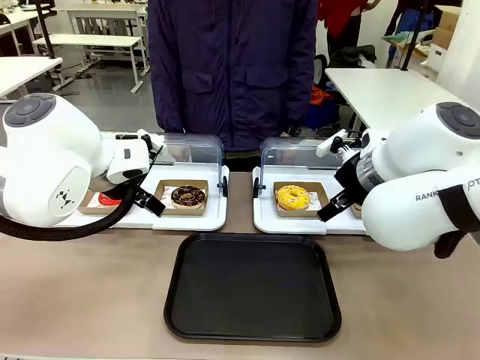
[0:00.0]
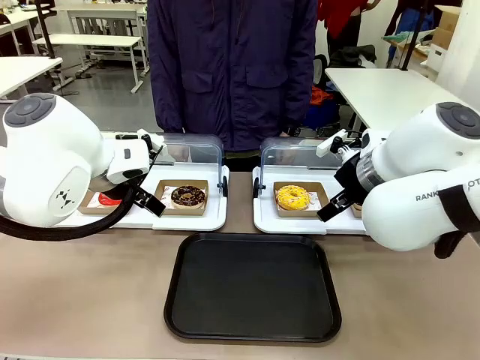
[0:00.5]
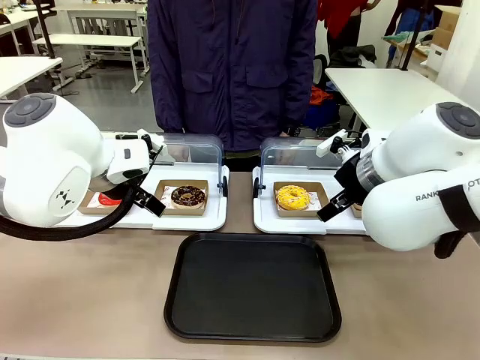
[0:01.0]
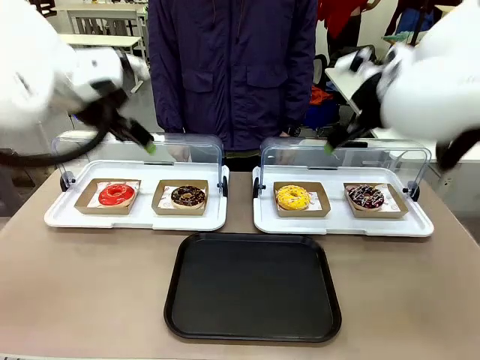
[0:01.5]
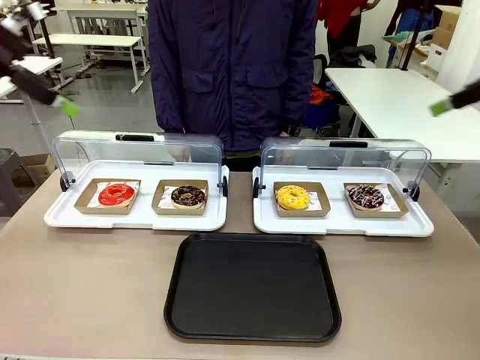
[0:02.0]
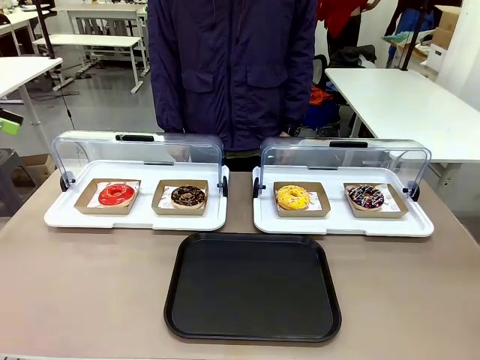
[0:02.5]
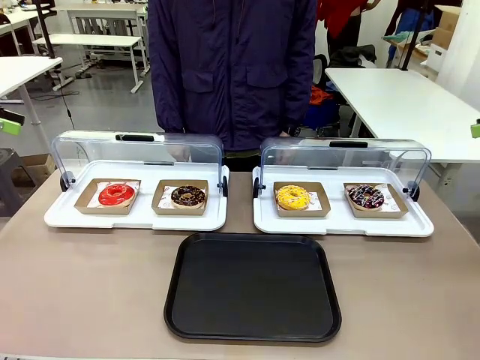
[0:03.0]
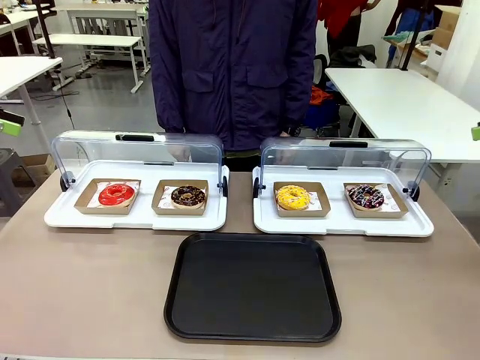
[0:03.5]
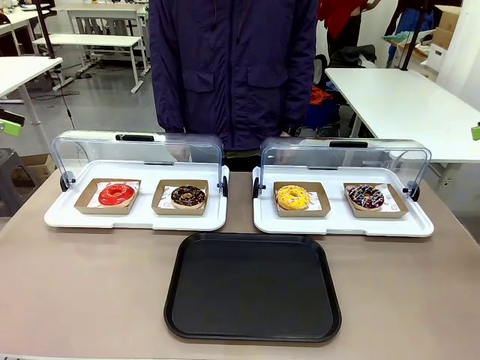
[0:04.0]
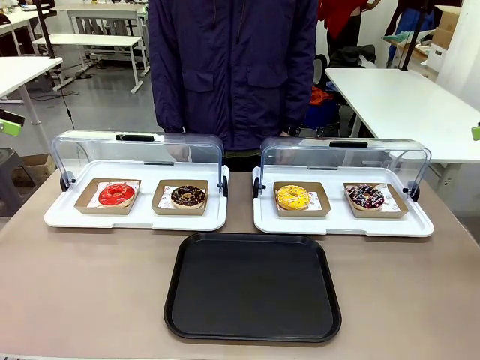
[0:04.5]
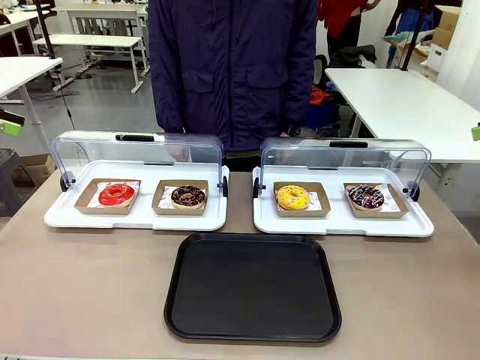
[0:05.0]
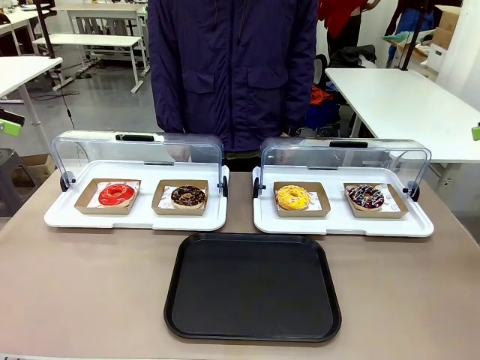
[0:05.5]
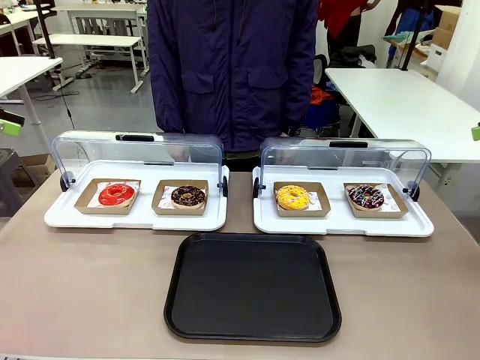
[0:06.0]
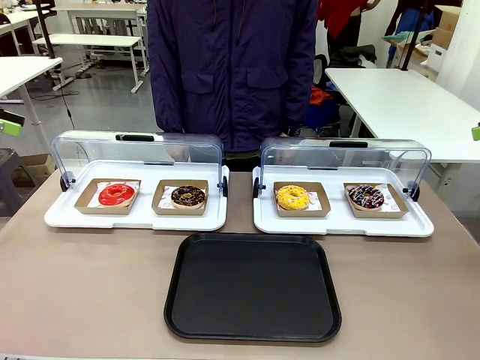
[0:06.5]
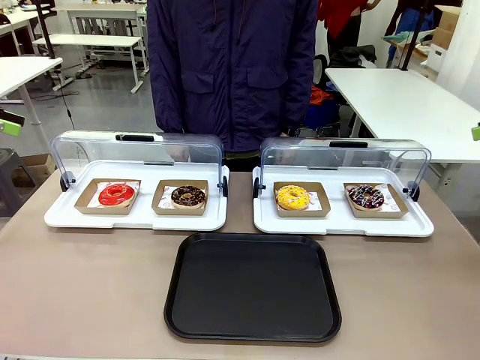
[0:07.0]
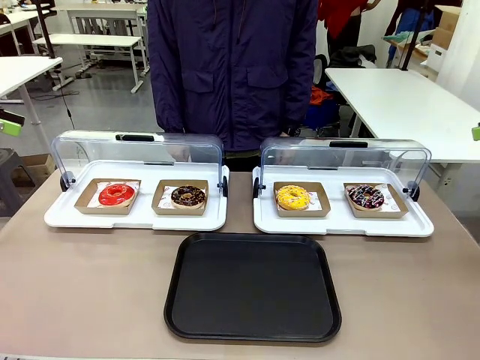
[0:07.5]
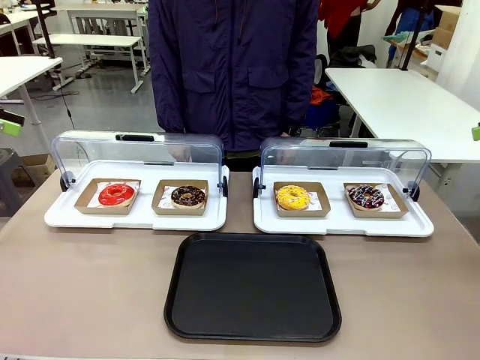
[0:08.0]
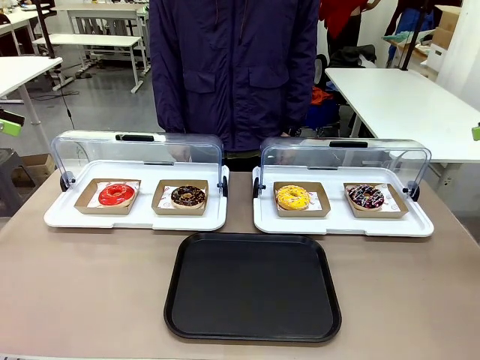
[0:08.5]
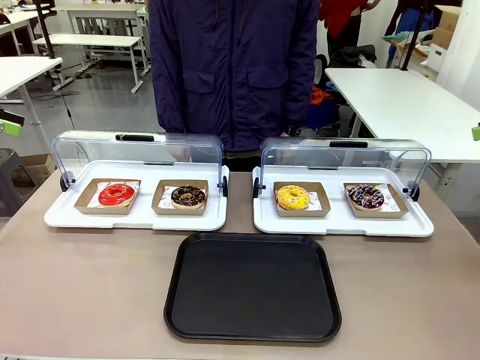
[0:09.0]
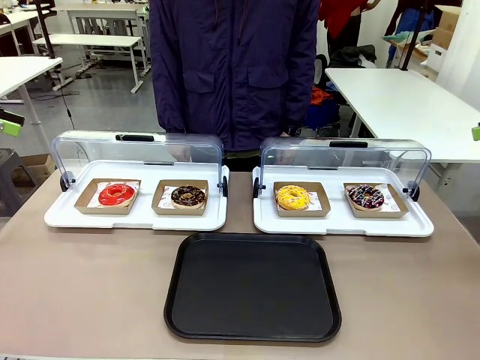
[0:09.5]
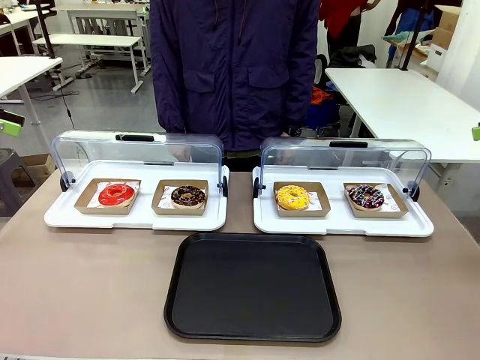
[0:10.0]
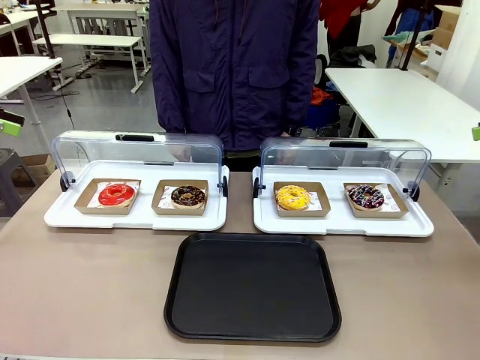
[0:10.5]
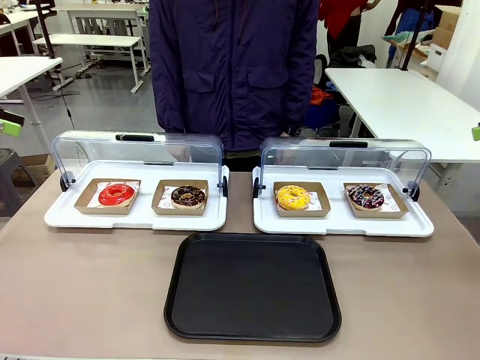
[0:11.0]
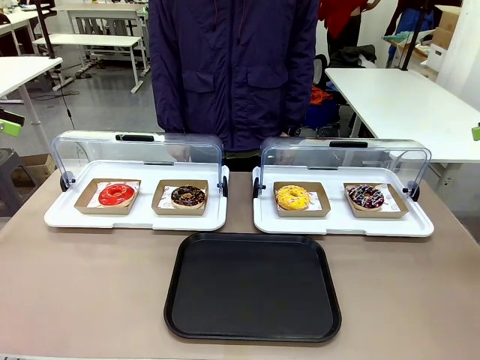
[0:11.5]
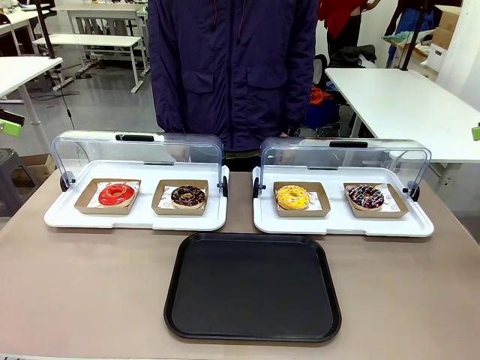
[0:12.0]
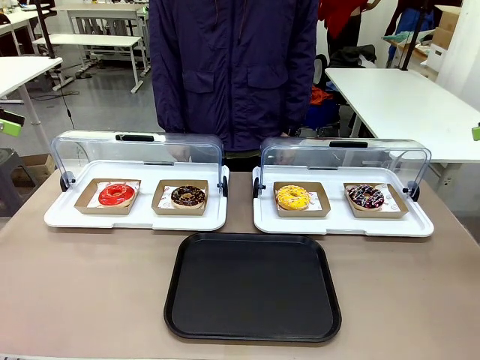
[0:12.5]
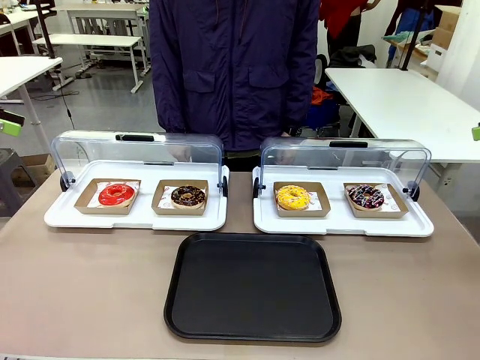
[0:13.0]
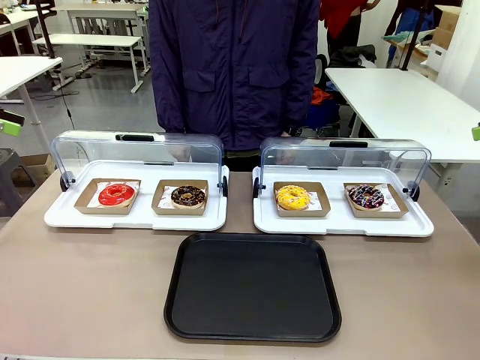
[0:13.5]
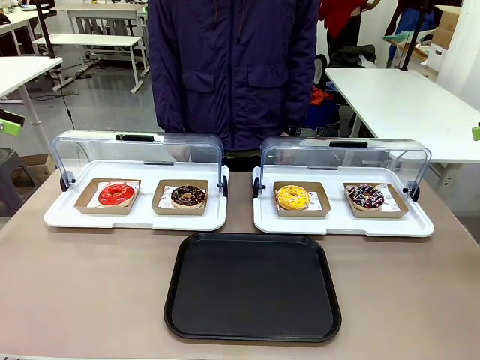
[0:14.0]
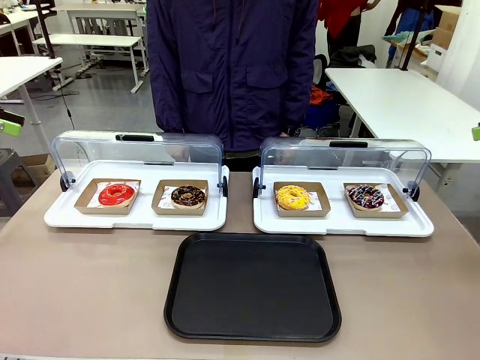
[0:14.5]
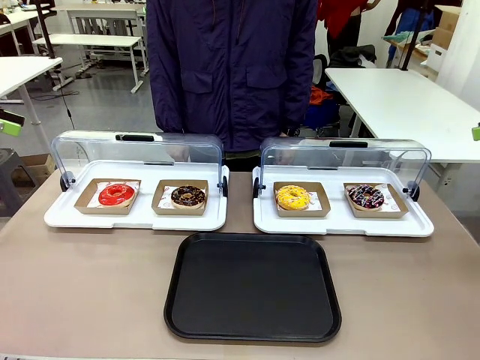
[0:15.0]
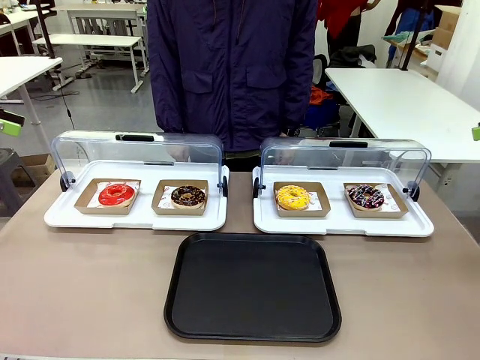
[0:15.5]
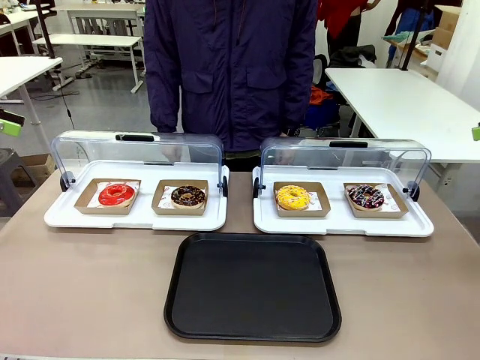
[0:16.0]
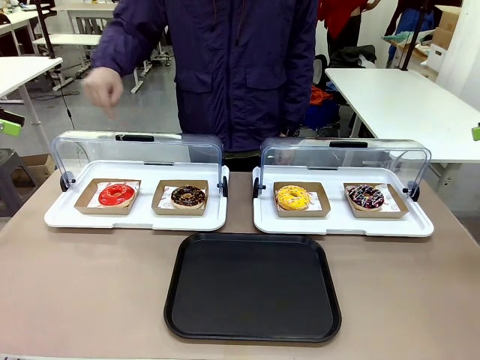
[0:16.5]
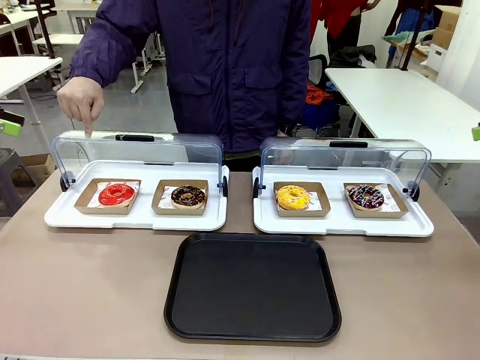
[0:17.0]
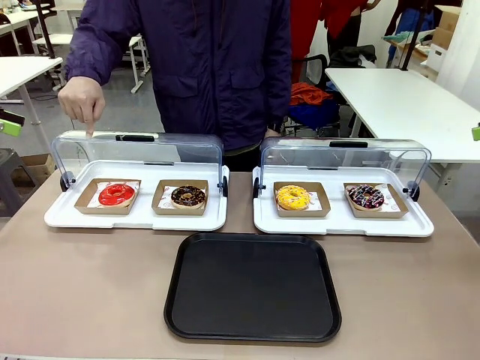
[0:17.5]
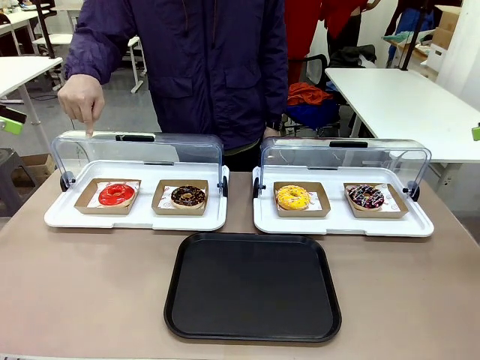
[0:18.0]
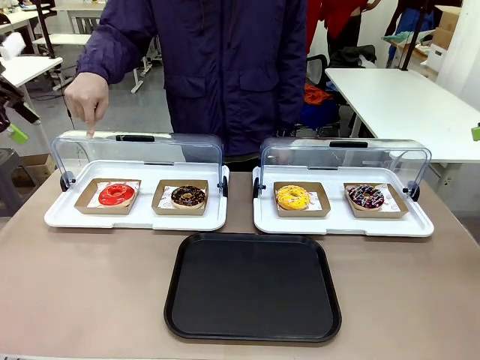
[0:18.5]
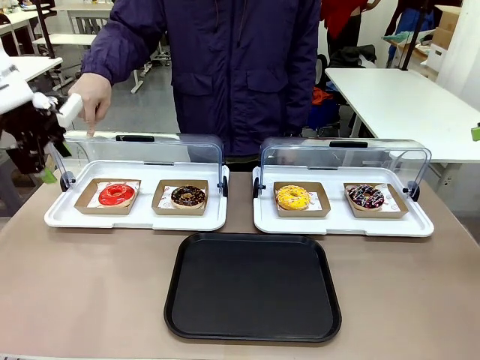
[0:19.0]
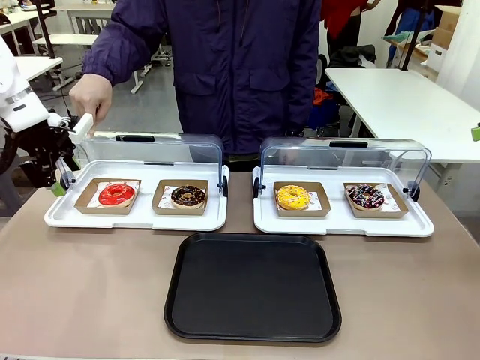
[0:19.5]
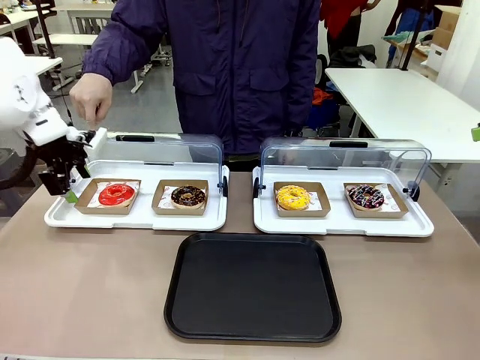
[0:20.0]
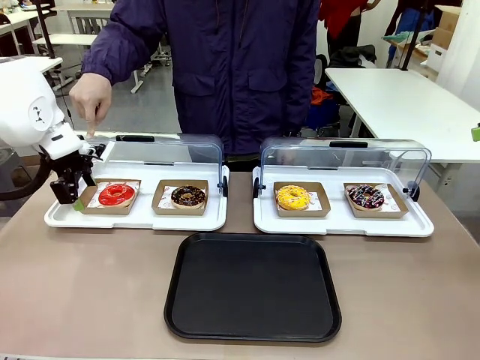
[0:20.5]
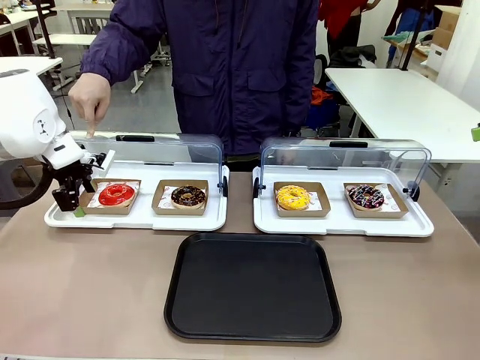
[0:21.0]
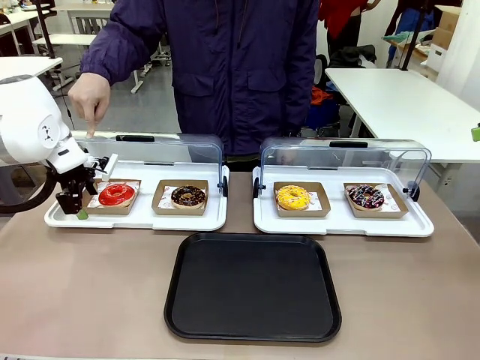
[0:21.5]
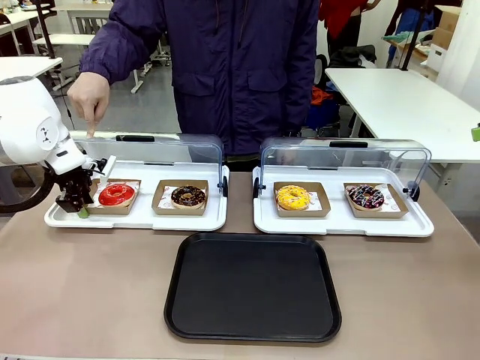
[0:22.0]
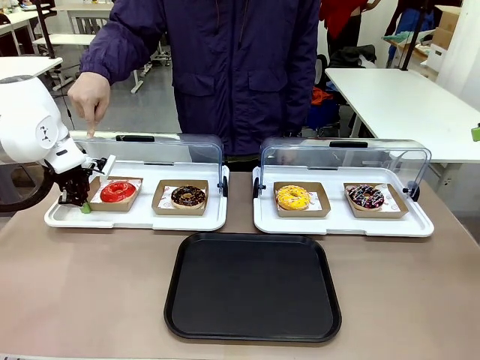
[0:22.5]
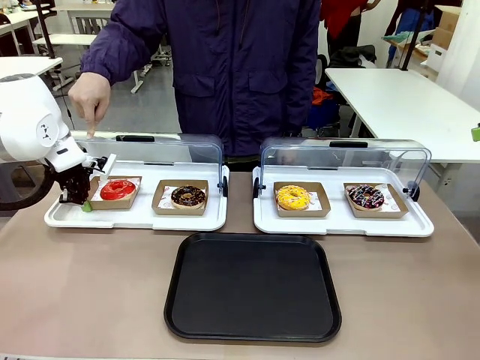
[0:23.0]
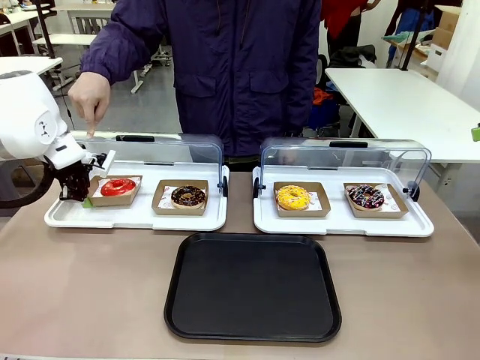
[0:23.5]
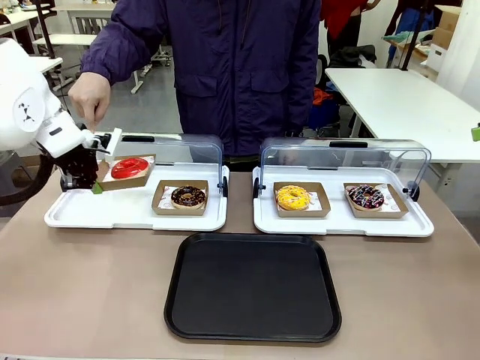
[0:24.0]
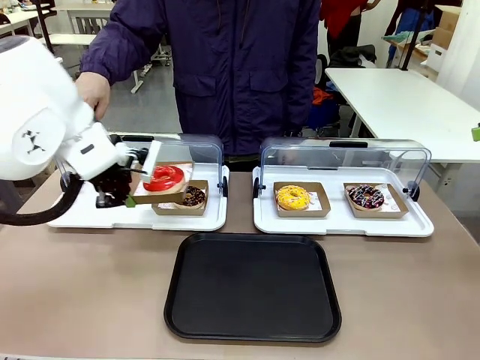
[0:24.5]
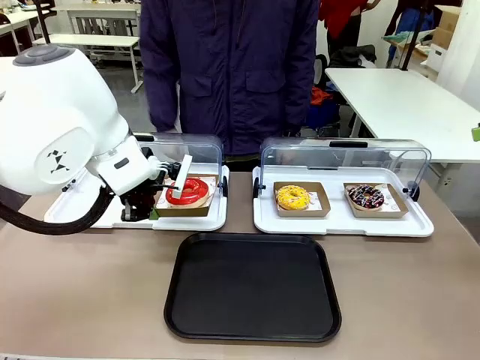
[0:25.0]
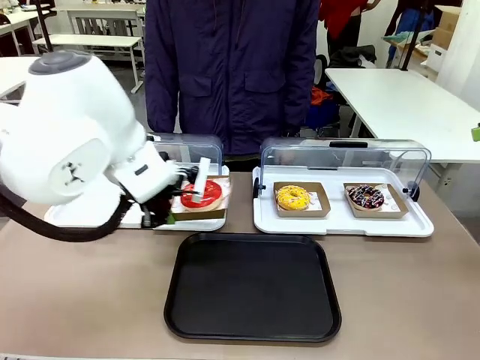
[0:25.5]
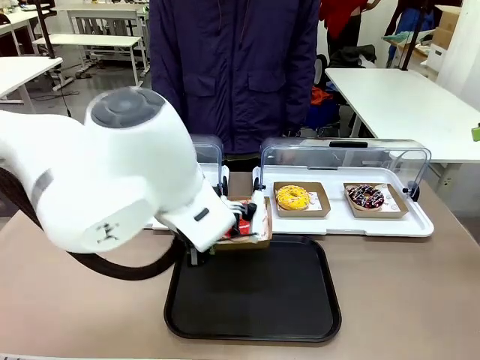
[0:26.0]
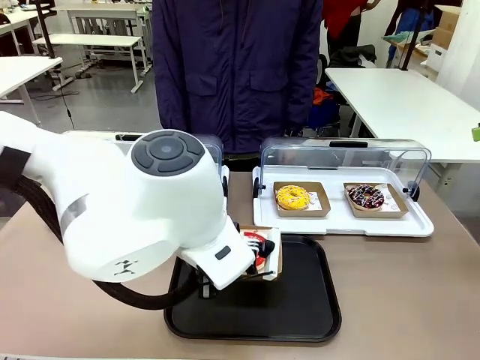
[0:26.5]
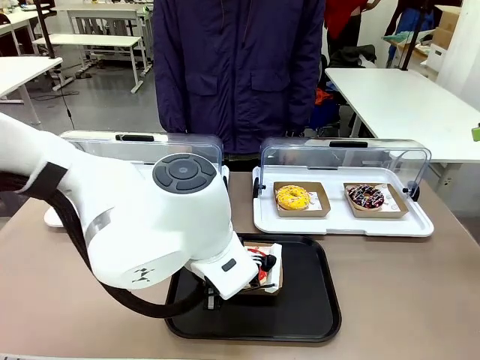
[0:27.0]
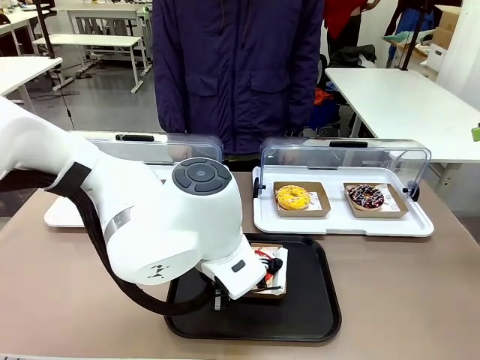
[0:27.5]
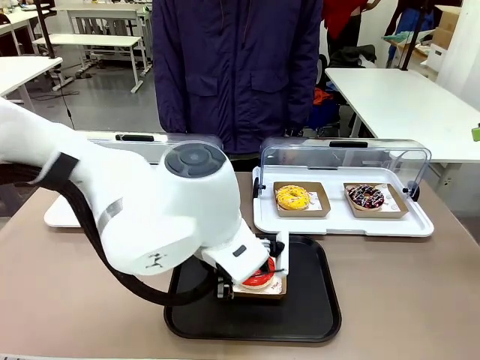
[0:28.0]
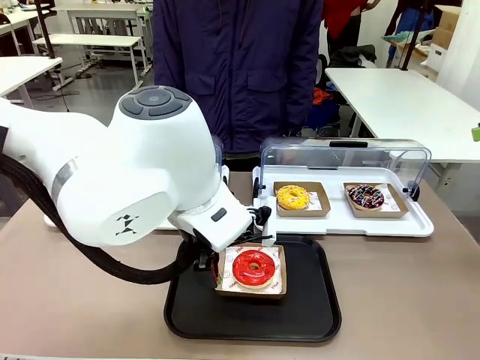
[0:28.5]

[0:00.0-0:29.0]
Task: Move the first donut from the left to the tray.
Robot: Pick up the Paper togo box containing the Donut indicated by the person and place it on the Handle tray.
Person: Points to the first donut from the left from the robot’s perspective.
